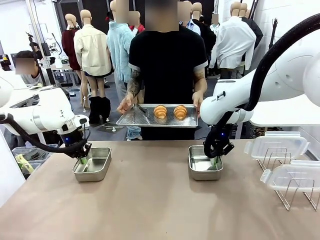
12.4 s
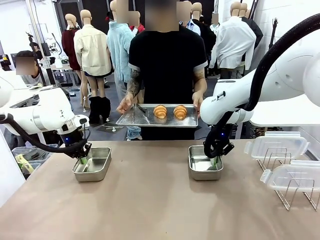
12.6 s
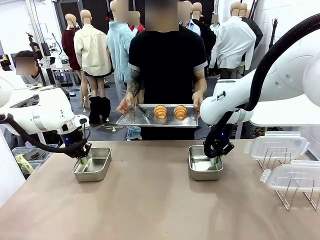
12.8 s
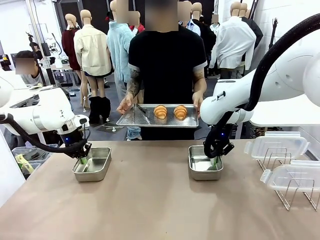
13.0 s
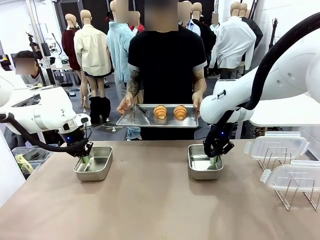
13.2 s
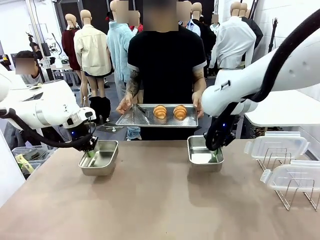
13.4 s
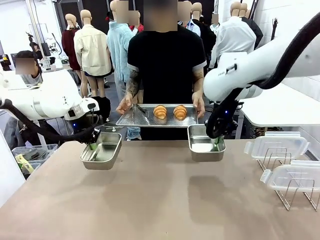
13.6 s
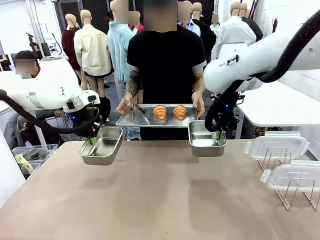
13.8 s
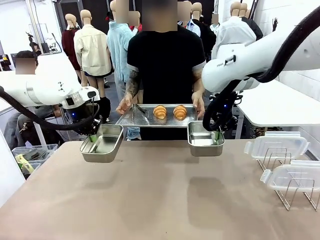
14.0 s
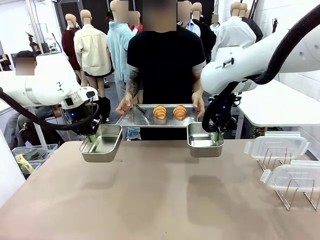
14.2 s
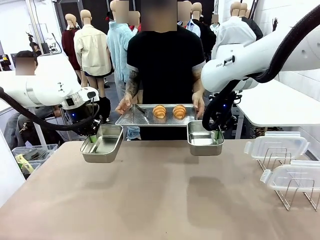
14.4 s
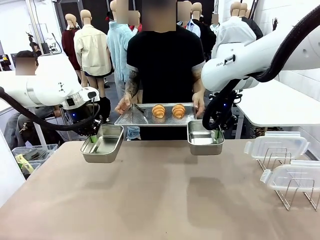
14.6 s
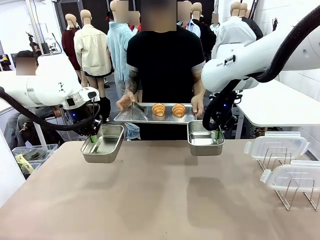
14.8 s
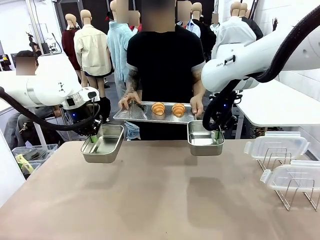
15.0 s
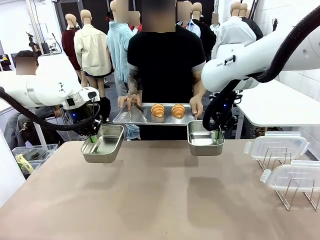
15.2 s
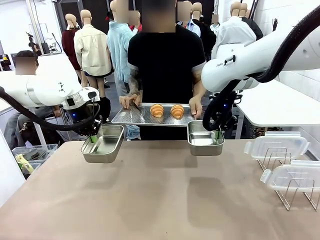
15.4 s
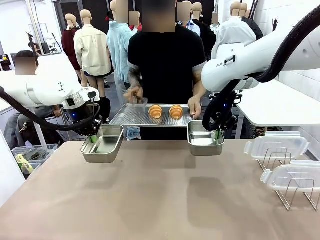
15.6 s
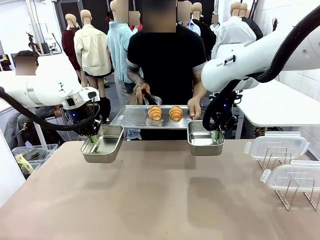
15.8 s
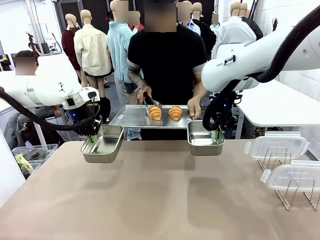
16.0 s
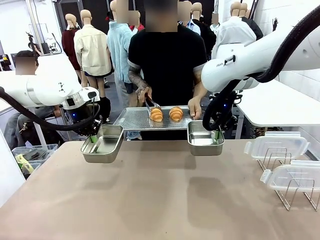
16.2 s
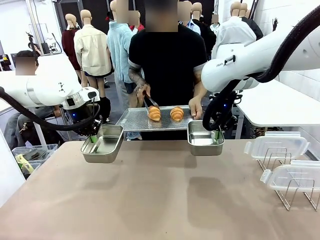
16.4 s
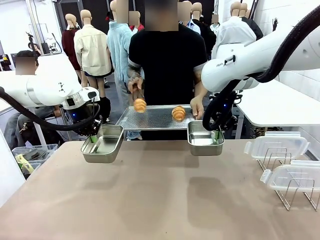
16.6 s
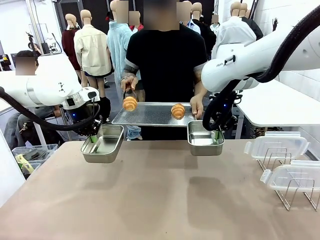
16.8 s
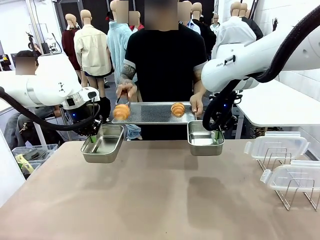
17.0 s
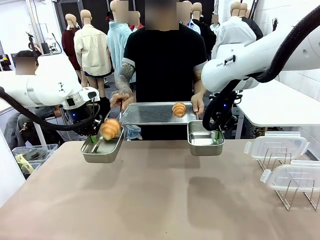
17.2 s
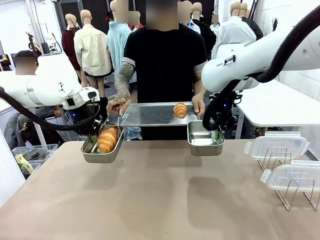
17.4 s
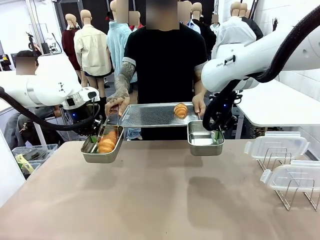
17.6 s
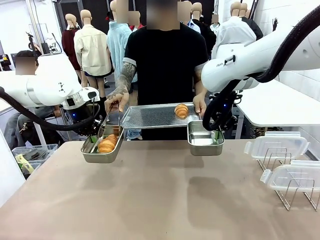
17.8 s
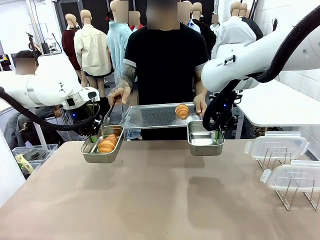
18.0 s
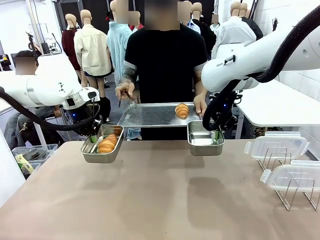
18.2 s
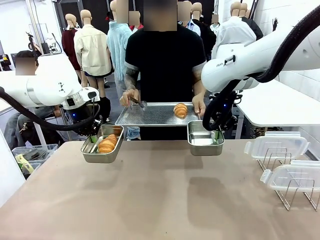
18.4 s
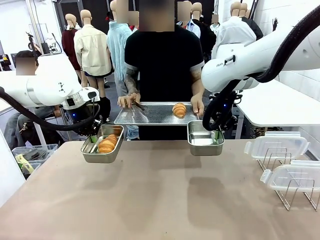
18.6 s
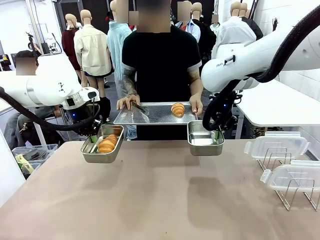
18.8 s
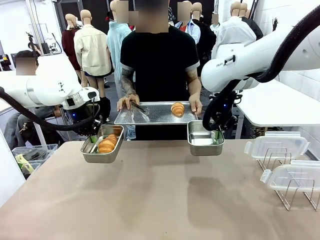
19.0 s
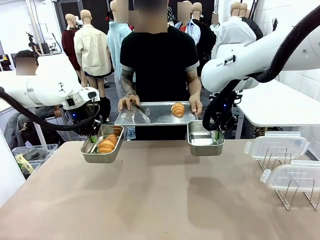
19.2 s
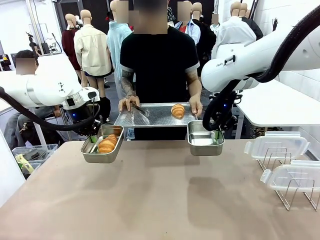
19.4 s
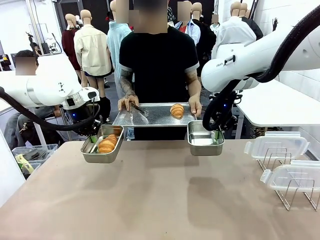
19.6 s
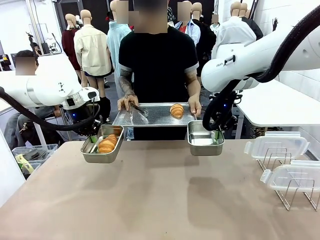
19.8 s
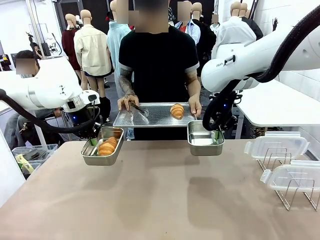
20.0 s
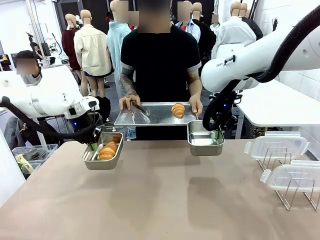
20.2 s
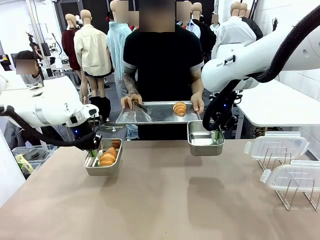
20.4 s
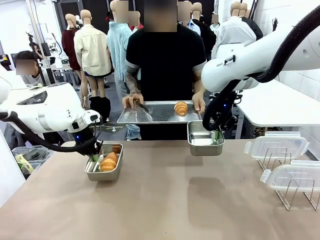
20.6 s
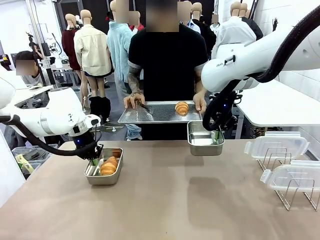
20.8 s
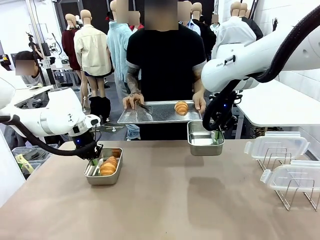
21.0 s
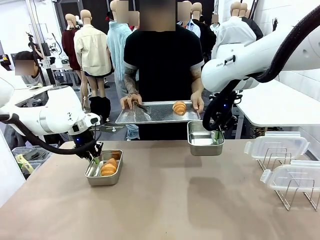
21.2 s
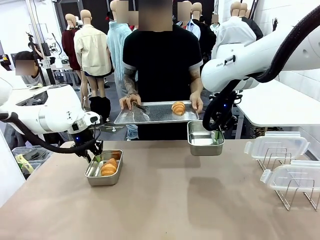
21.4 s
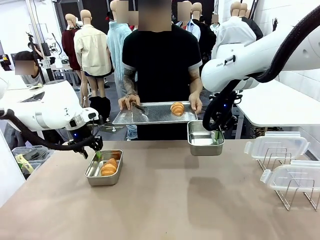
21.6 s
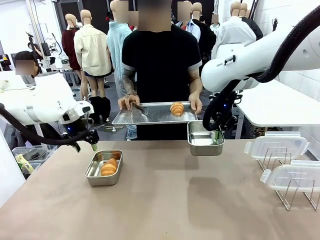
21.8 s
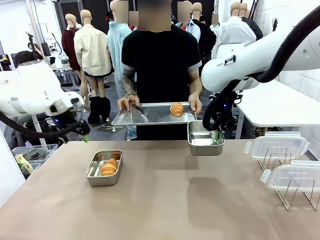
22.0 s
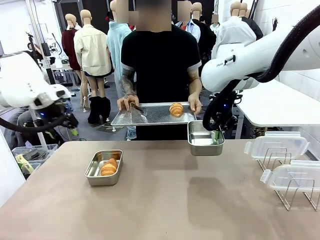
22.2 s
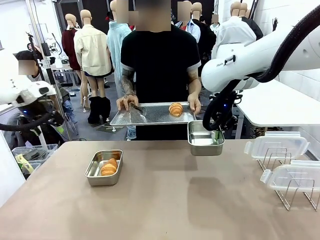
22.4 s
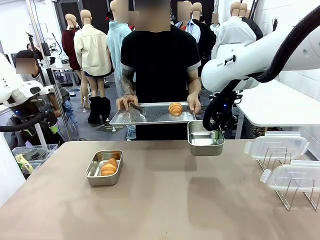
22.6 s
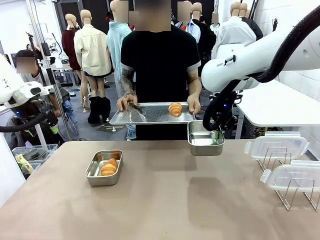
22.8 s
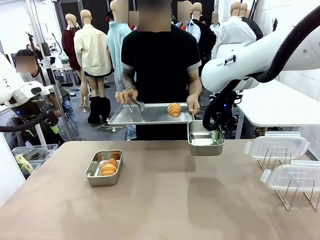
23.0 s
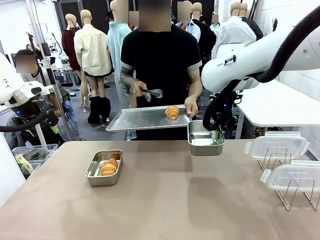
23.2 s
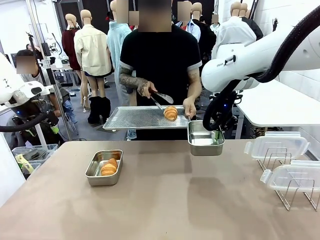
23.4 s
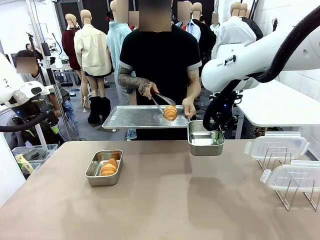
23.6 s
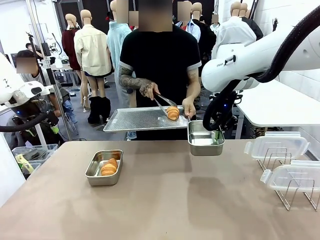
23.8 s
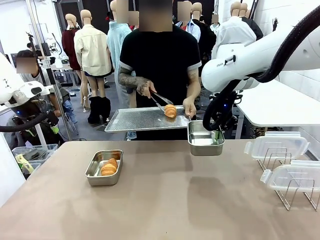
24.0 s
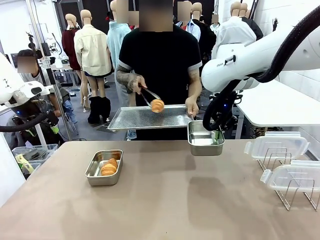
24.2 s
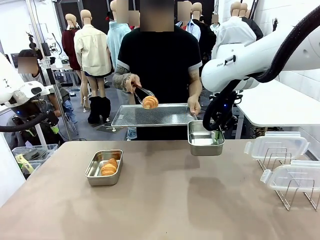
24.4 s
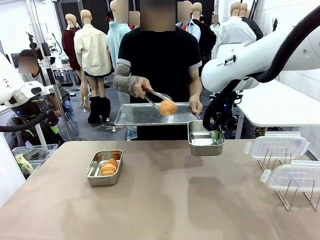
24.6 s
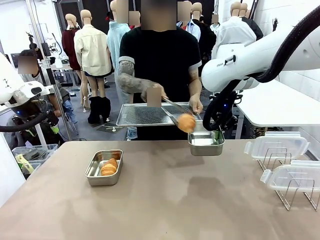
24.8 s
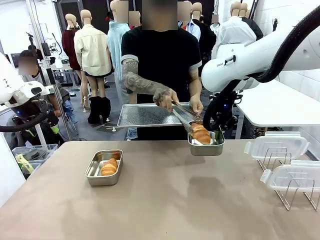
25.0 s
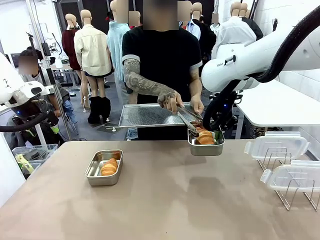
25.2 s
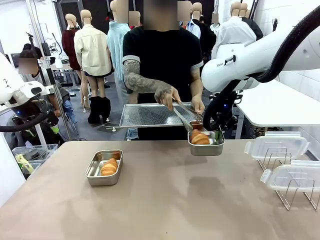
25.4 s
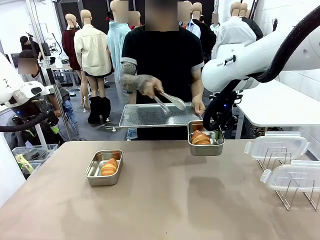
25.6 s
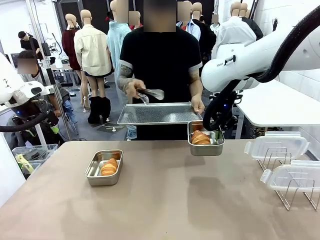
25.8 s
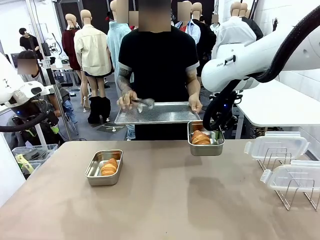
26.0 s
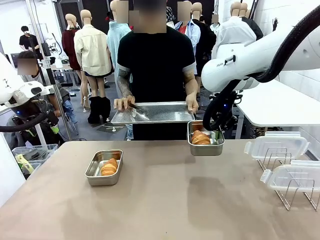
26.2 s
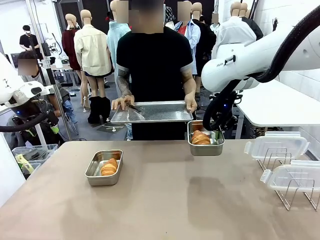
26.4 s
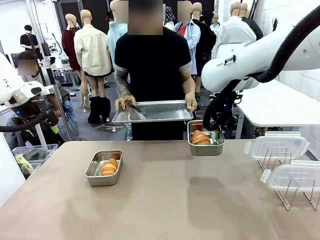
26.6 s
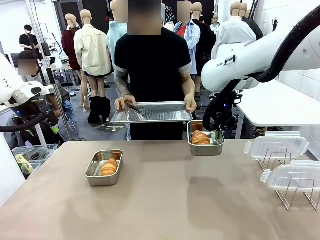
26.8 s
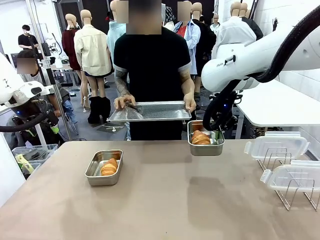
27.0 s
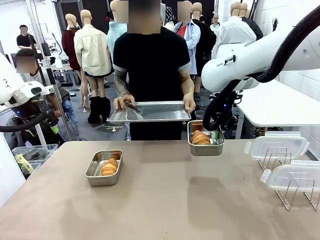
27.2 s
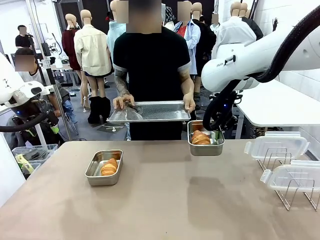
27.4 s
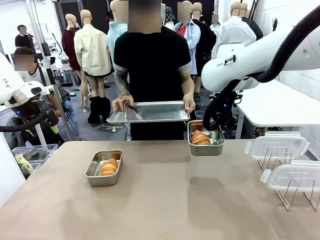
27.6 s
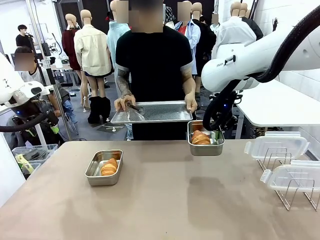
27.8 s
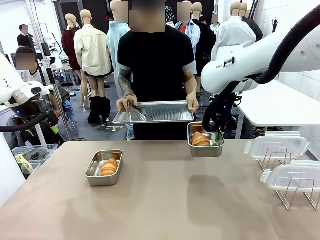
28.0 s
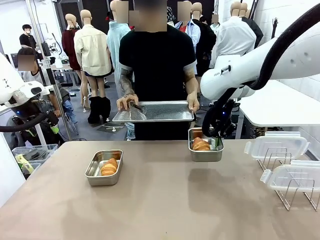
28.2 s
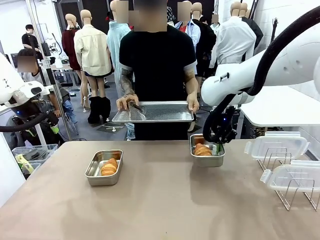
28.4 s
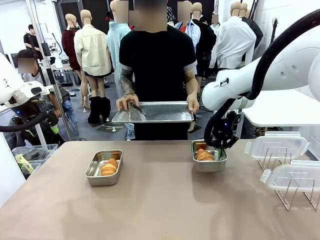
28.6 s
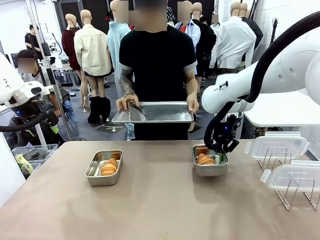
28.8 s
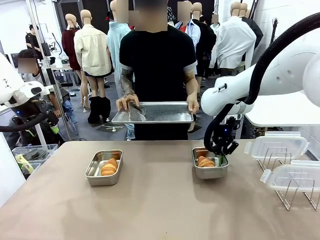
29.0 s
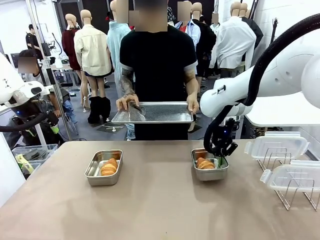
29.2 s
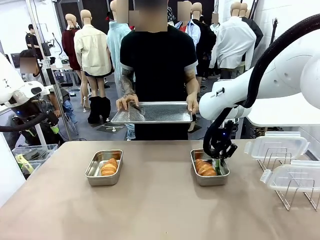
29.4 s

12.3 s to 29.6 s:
Task: Place the bread in airtight containers.
Robot: Once an object is inside an Airtight Container , place the container in the center of the table.
Person: Use the Stainless steel tongs to place one object from Baking Sheet into one Airtight Container.
